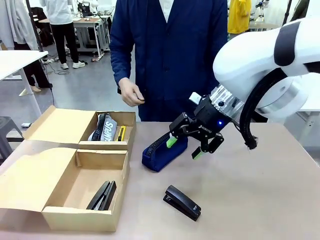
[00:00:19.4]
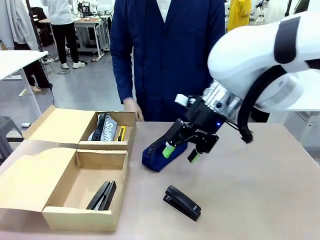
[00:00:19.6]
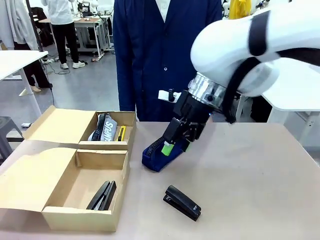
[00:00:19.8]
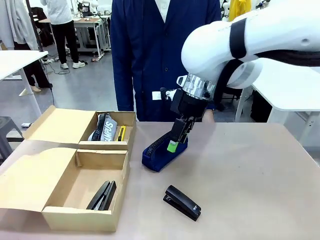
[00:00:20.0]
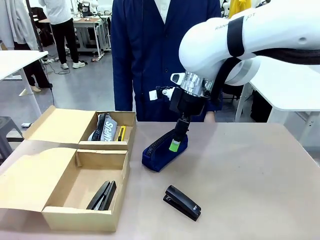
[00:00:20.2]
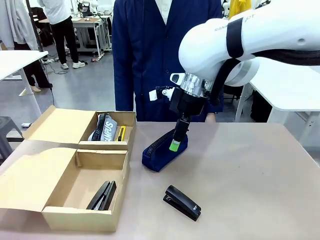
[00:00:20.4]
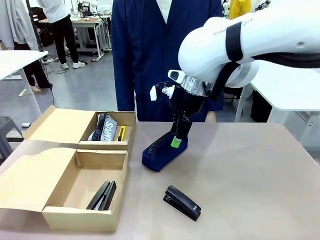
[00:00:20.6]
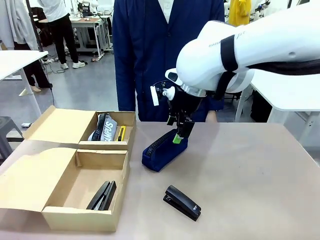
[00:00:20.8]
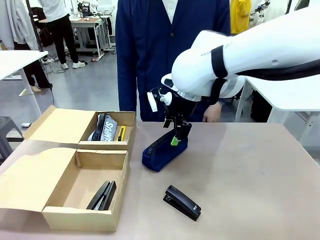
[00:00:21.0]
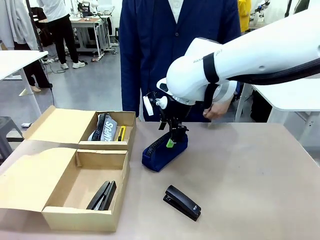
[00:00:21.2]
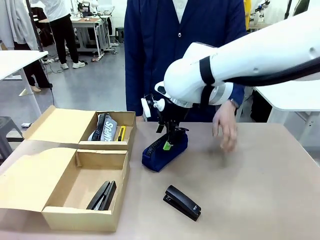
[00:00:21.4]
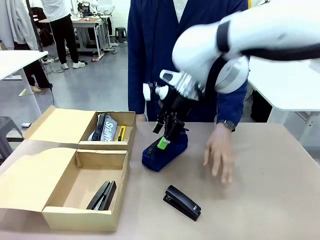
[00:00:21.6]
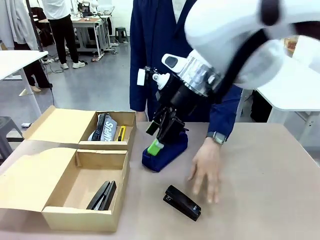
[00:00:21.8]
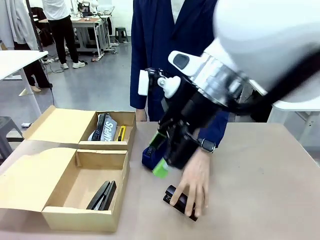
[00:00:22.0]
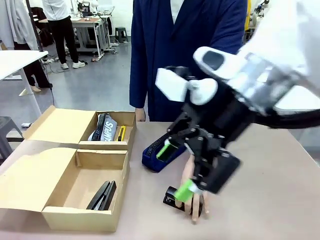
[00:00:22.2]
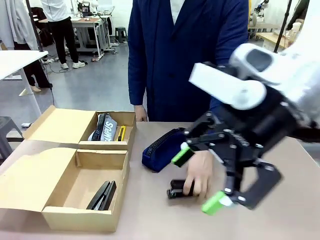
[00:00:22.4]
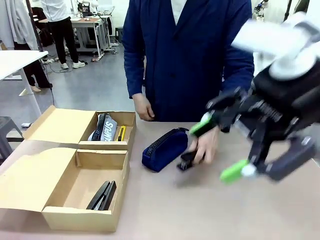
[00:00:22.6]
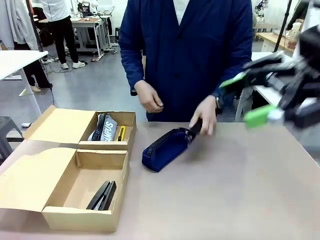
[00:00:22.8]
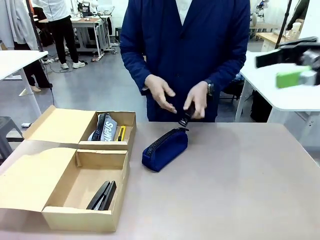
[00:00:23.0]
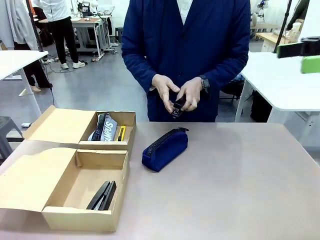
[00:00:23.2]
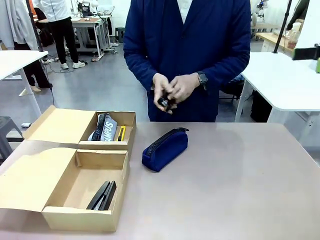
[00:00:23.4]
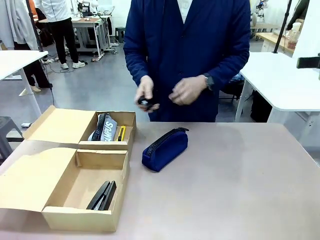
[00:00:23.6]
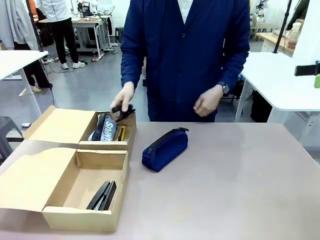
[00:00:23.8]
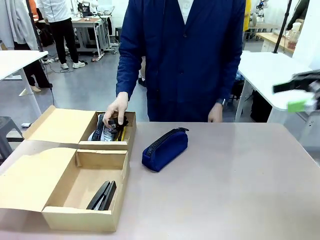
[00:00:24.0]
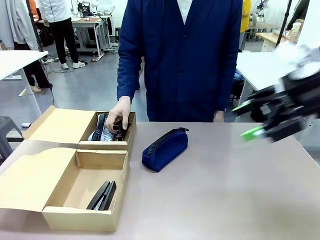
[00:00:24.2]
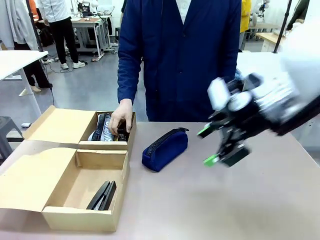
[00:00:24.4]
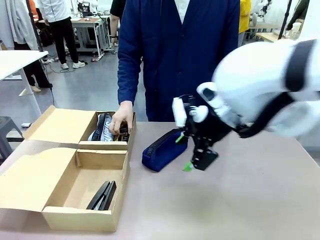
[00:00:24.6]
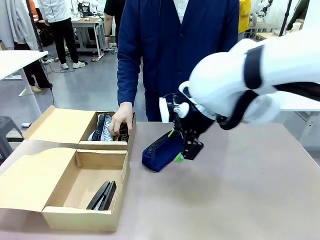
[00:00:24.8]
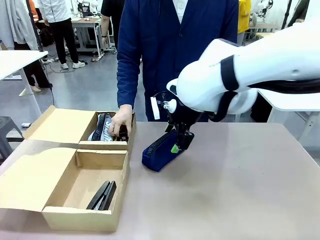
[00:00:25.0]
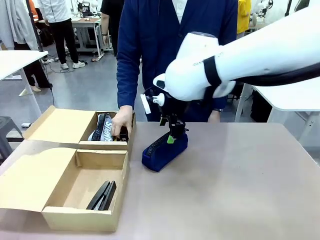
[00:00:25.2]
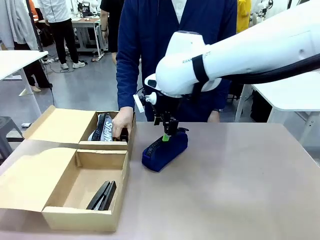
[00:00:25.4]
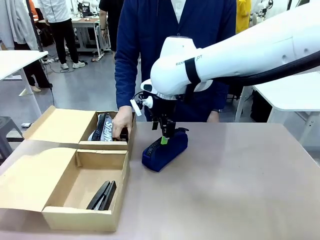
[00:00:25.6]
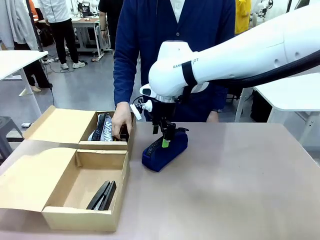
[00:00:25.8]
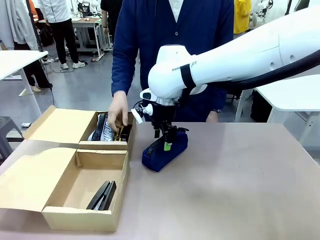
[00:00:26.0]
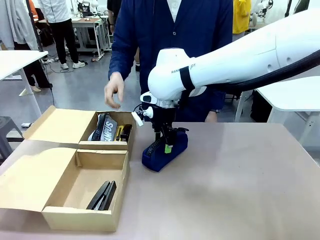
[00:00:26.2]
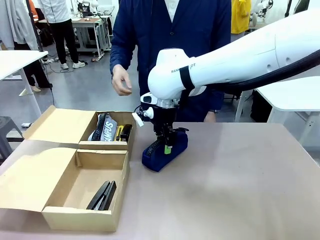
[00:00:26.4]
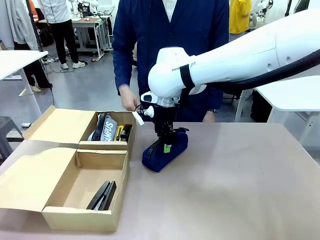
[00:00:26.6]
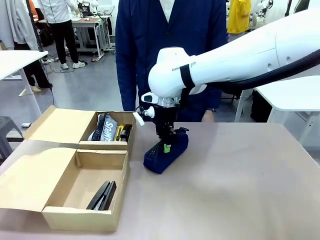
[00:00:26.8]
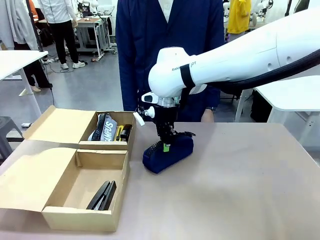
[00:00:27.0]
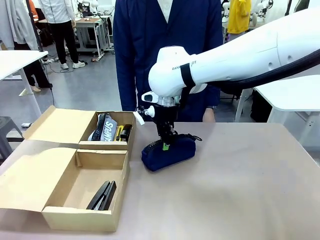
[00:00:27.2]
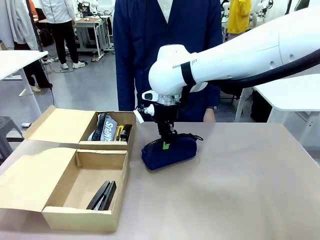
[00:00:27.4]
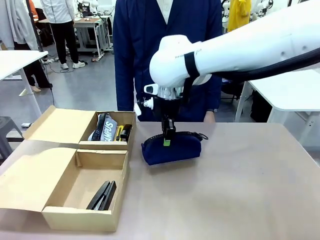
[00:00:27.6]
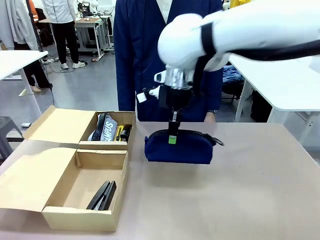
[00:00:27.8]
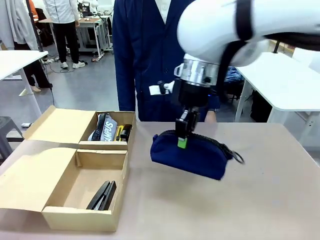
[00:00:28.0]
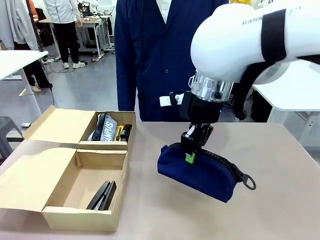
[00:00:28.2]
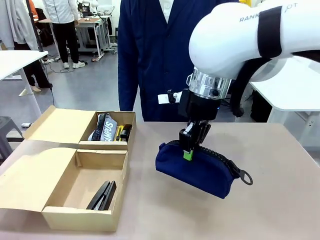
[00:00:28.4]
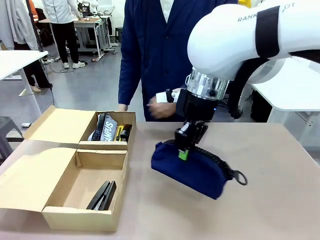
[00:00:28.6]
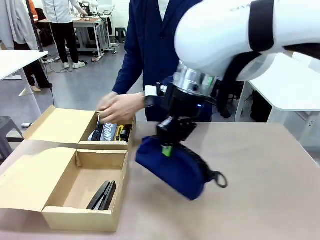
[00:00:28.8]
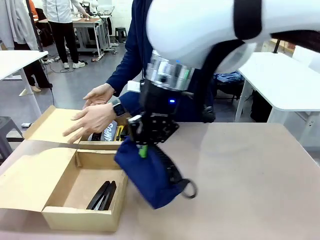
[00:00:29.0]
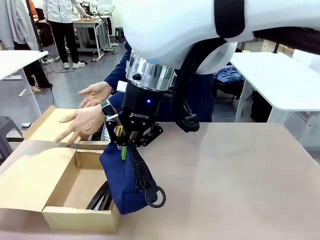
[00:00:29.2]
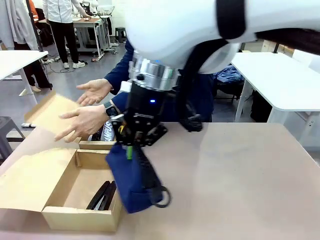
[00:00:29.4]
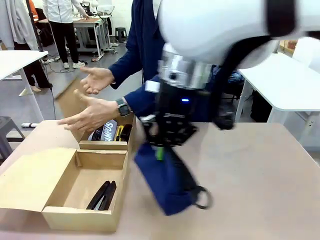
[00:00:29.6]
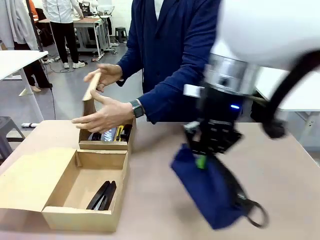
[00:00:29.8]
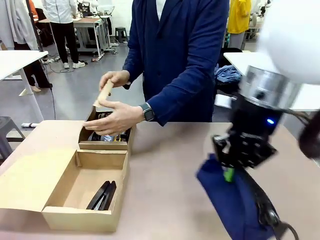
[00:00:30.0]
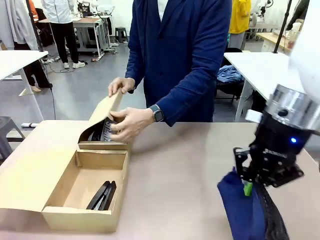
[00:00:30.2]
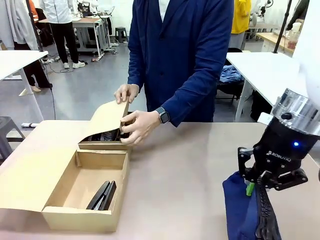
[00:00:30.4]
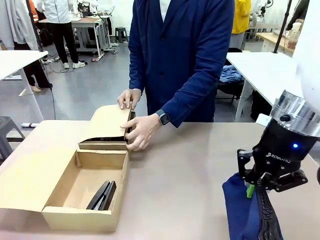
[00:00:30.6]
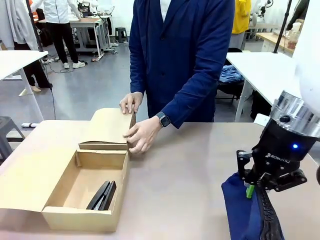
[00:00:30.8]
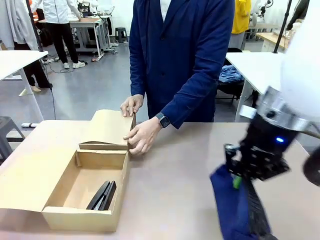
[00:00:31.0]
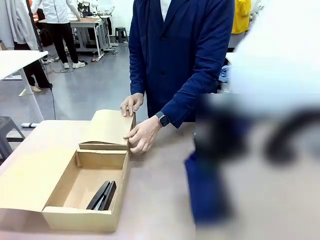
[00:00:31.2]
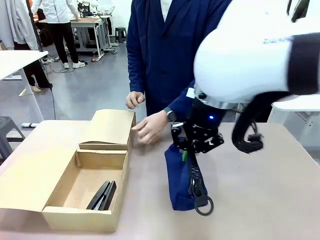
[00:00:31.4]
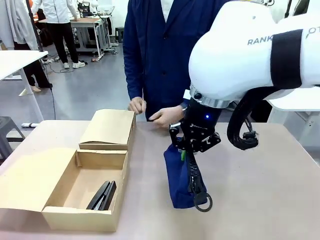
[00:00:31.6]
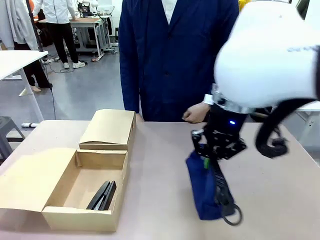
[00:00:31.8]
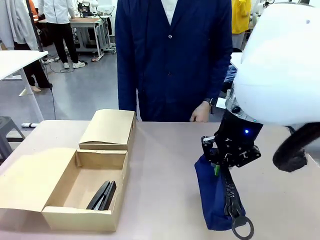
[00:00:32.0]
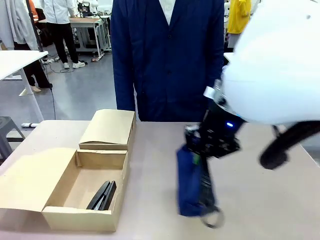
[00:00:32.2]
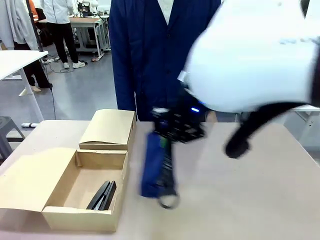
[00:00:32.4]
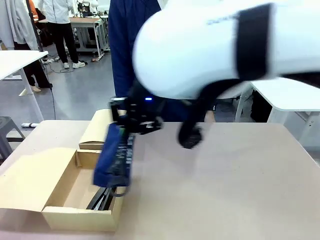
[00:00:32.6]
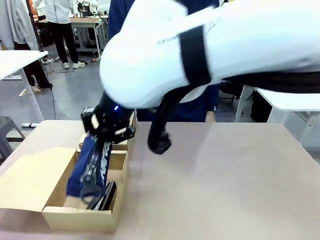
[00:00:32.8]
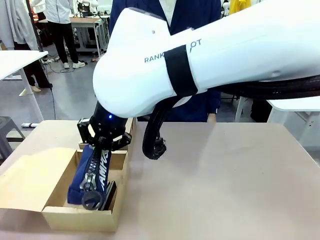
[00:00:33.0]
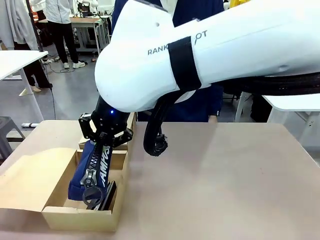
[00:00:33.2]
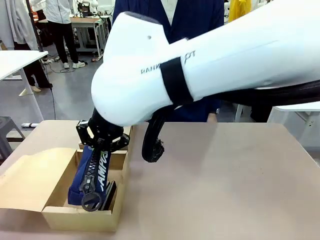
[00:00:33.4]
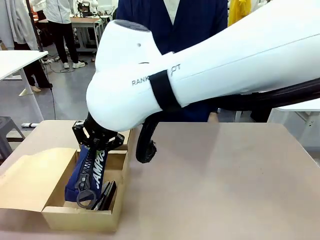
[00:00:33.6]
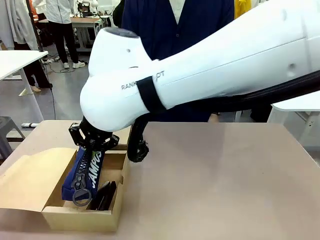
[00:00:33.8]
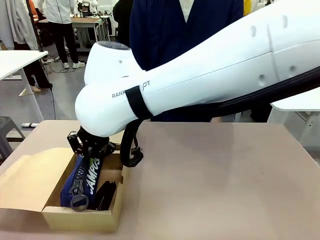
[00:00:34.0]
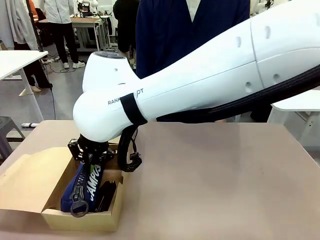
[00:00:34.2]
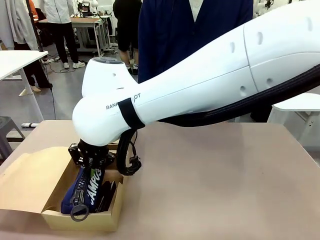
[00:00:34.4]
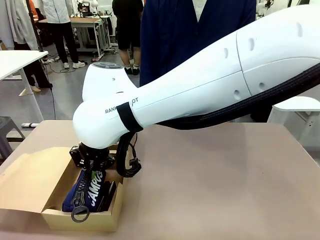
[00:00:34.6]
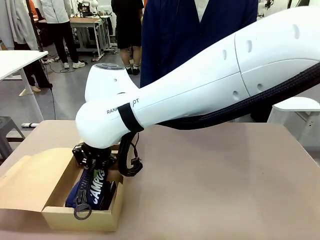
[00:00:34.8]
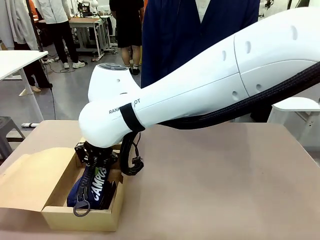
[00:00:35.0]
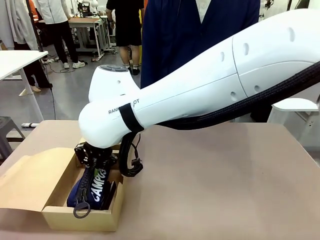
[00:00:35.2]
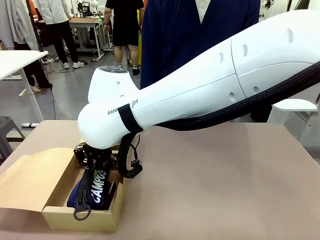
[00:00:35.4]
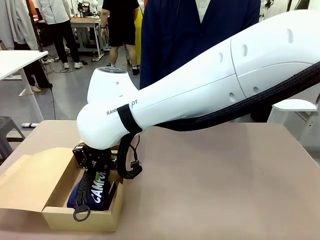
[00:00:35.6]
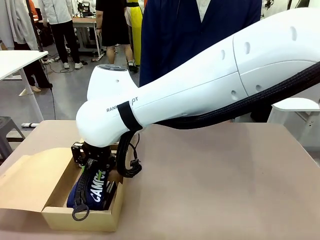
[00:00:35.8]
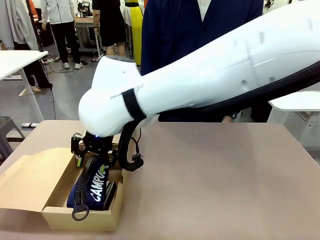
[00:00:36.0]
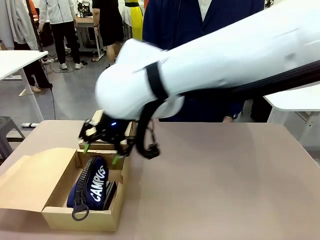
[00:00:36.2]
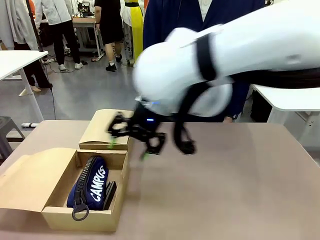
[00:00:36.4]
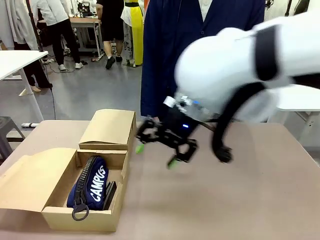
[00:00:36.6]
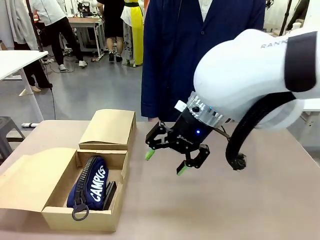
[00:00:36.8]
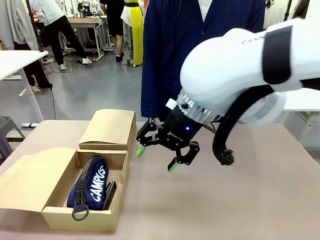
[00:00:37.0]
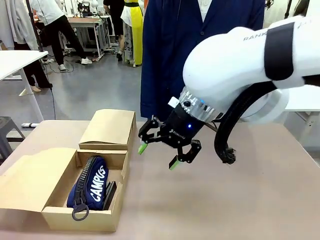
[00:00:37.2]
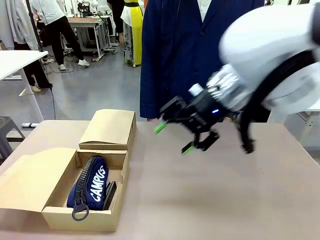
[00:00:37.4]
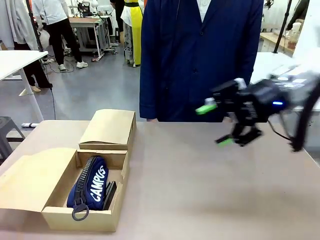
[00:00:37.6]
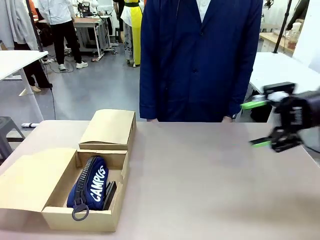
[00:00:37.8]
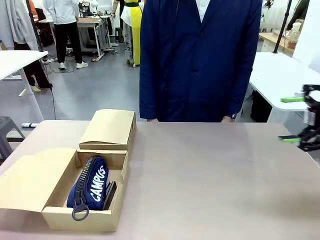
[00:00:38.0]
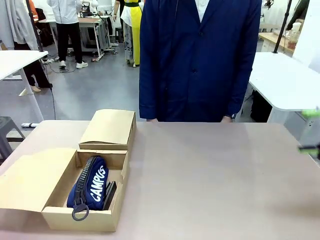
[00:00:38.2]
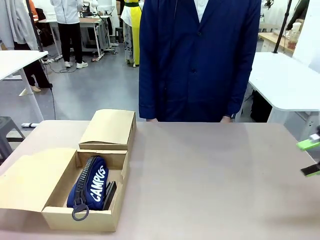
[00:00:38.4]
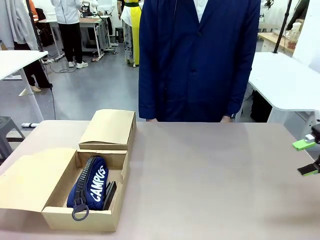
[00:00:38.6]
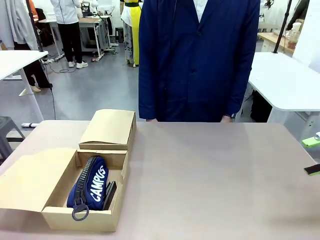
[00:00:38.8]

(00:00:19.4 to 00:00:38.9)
Task: Place items inside the box.
Robot: Pick up a Pencil pouch or Stapler and place it inside the Mailer Box closest to the robot.
Person: Close the lid of the box facing the person.
